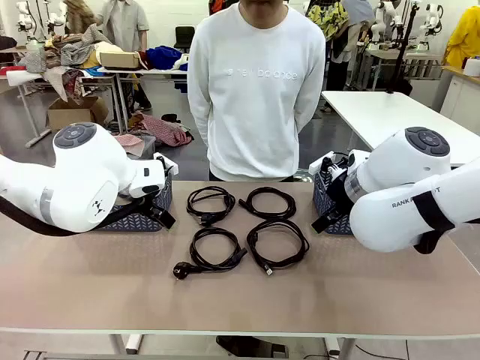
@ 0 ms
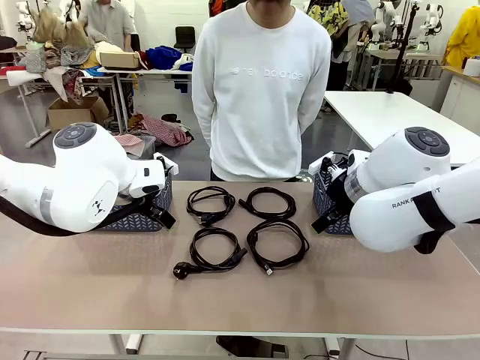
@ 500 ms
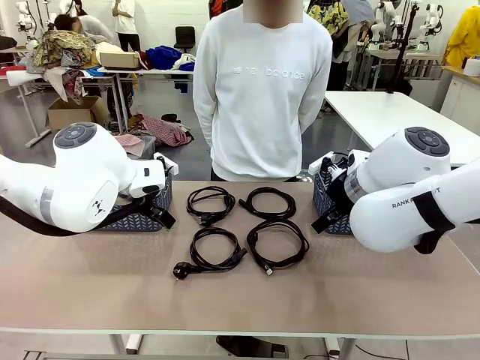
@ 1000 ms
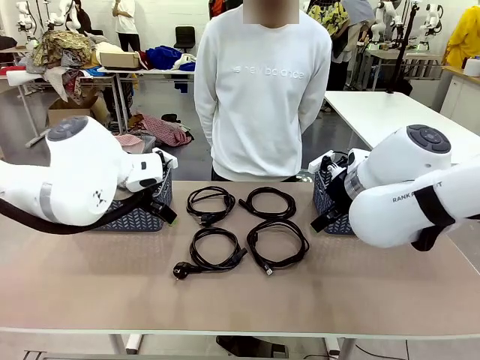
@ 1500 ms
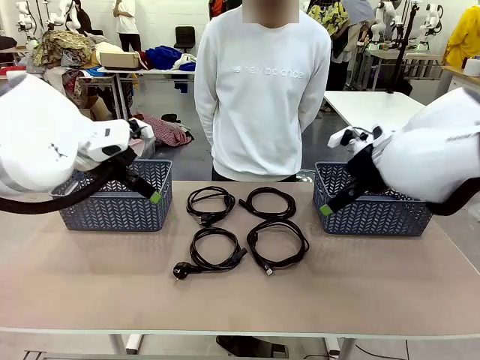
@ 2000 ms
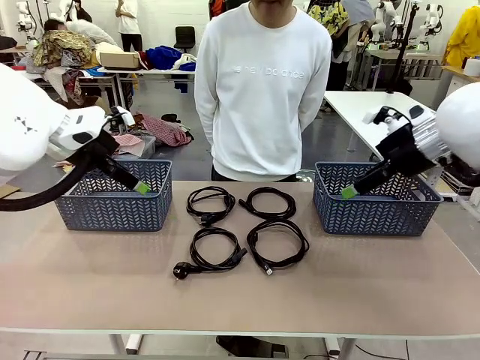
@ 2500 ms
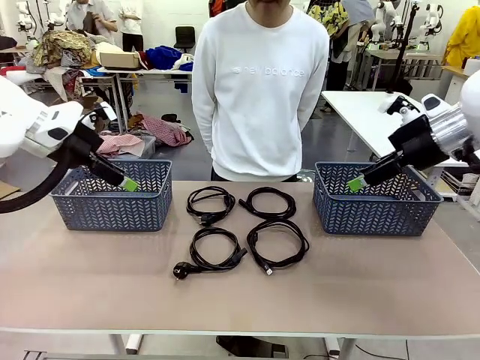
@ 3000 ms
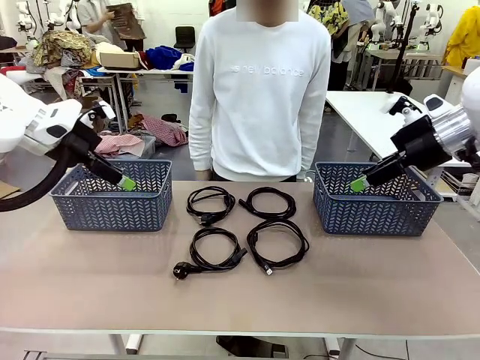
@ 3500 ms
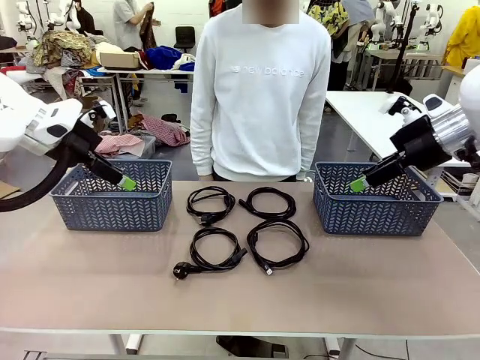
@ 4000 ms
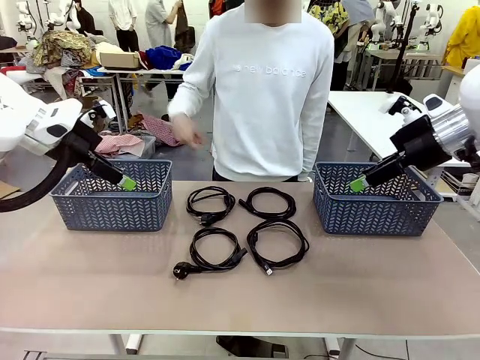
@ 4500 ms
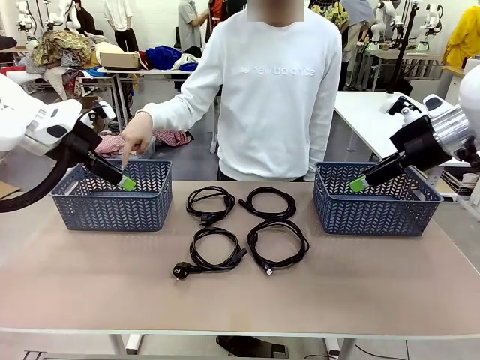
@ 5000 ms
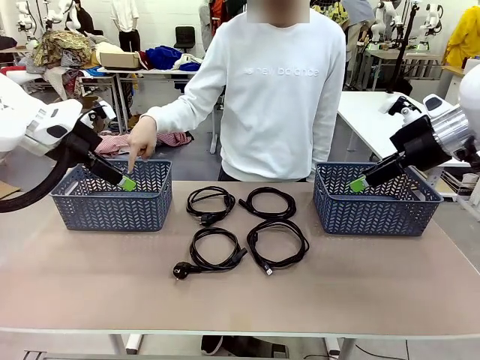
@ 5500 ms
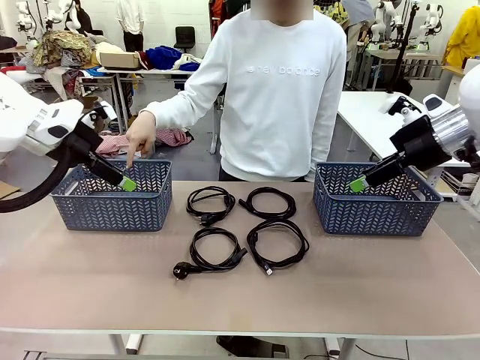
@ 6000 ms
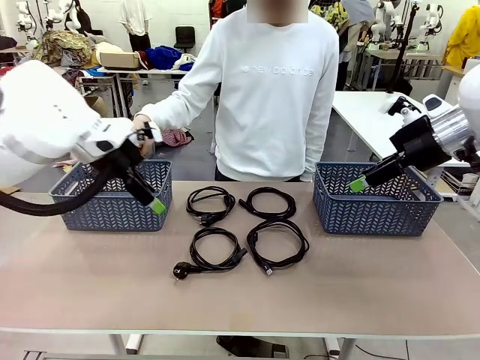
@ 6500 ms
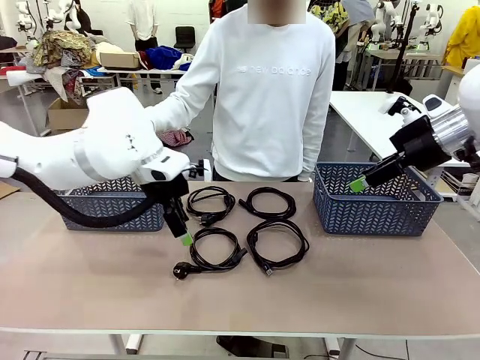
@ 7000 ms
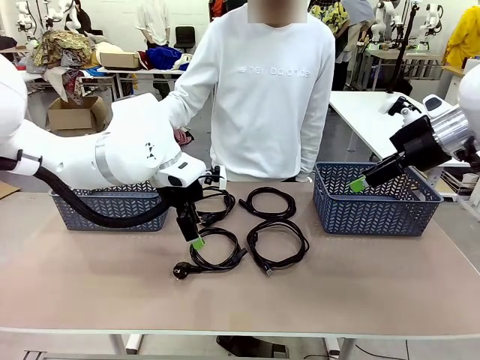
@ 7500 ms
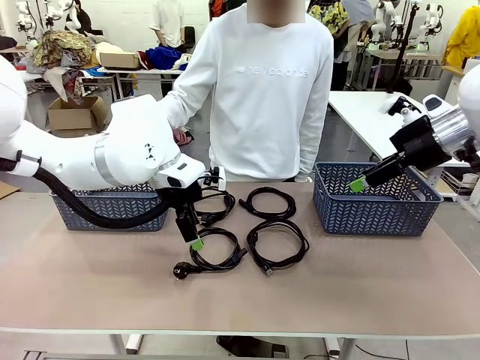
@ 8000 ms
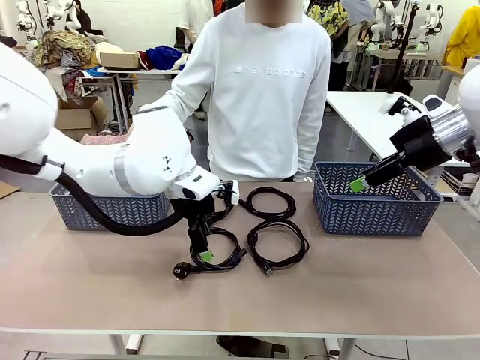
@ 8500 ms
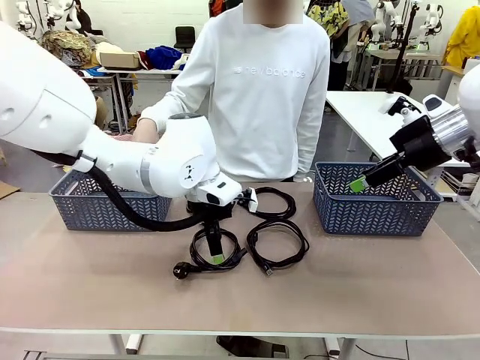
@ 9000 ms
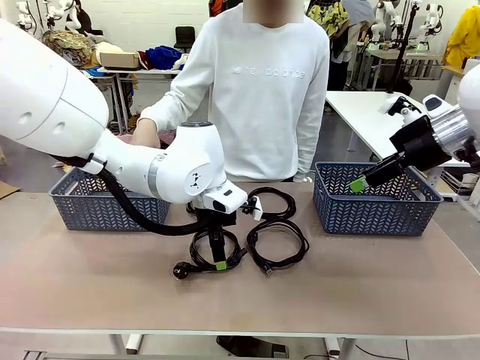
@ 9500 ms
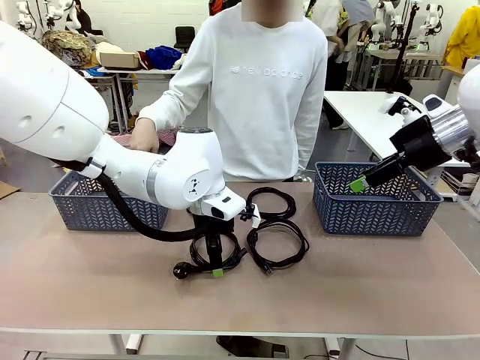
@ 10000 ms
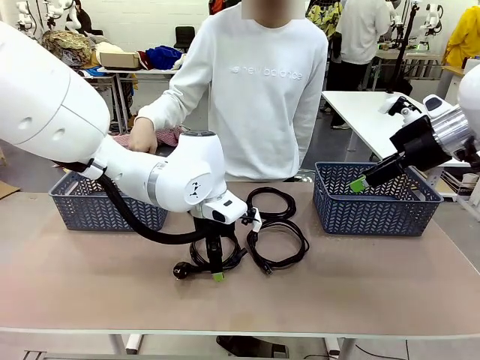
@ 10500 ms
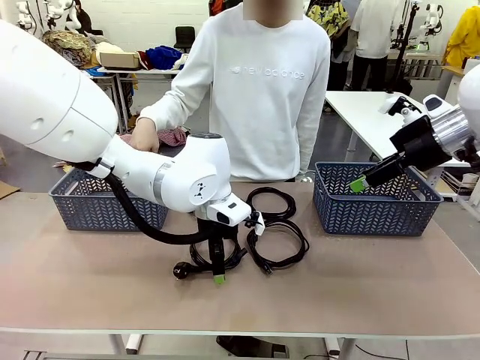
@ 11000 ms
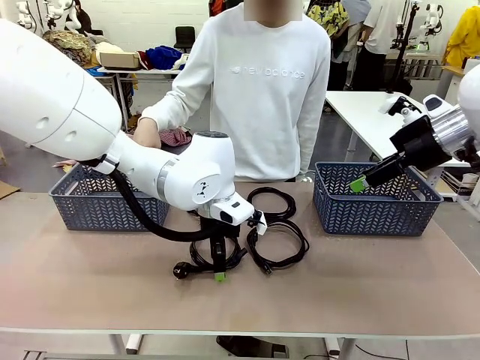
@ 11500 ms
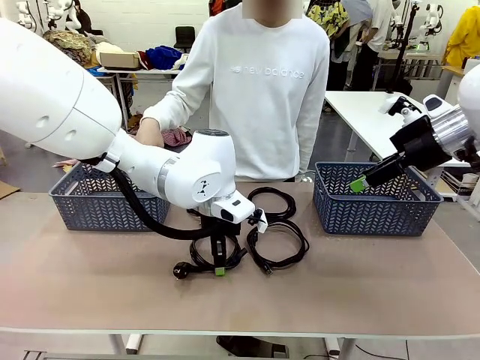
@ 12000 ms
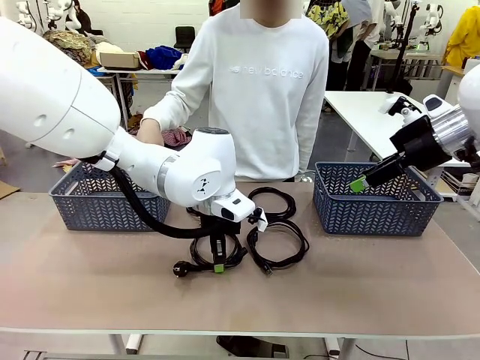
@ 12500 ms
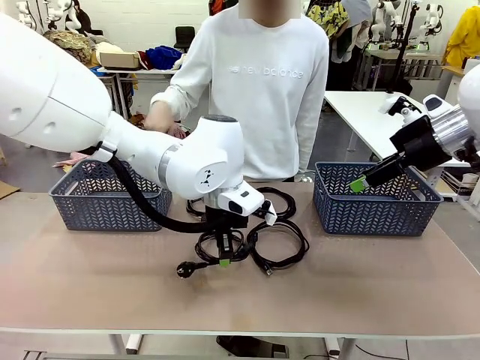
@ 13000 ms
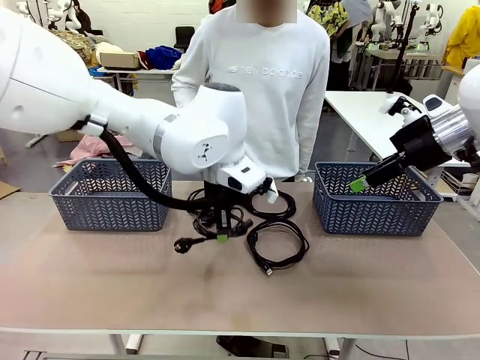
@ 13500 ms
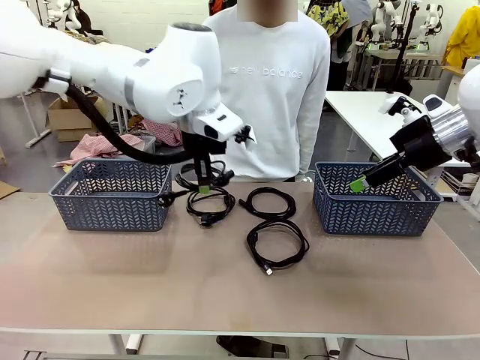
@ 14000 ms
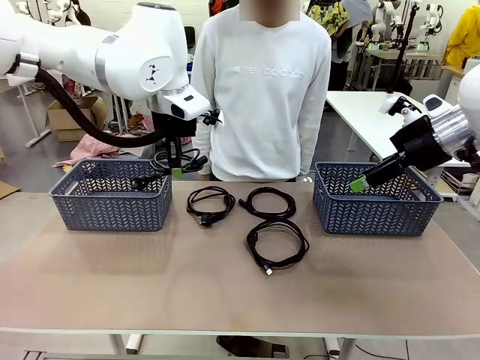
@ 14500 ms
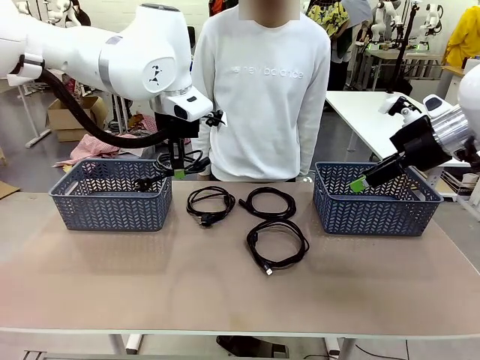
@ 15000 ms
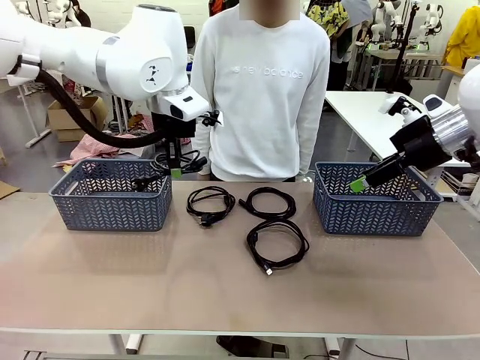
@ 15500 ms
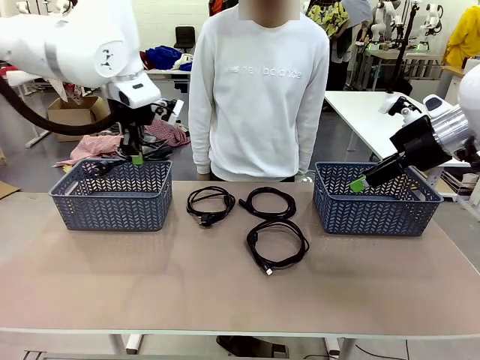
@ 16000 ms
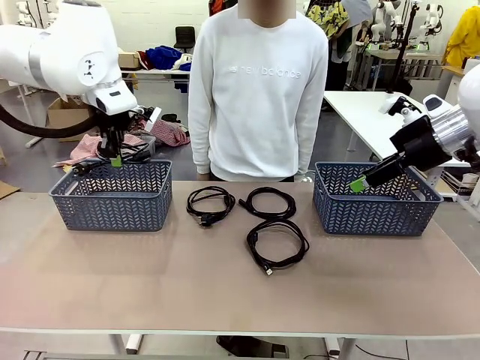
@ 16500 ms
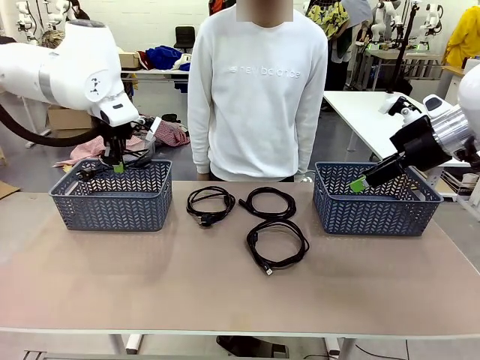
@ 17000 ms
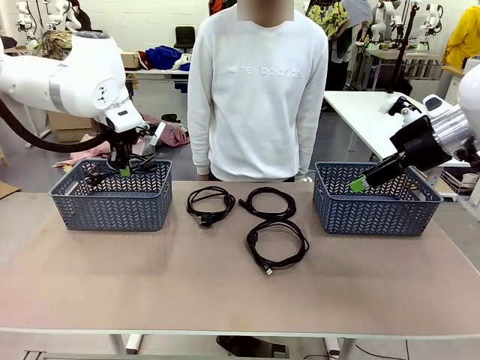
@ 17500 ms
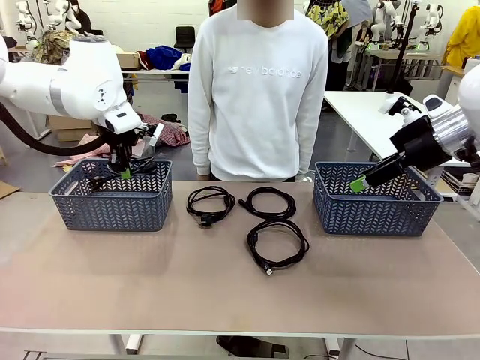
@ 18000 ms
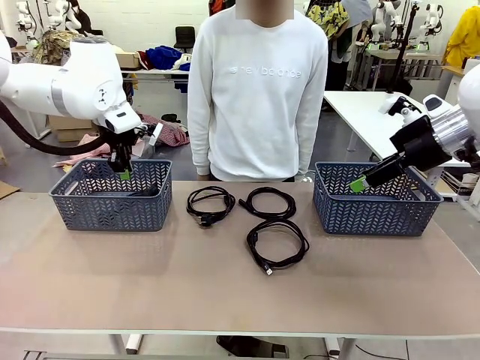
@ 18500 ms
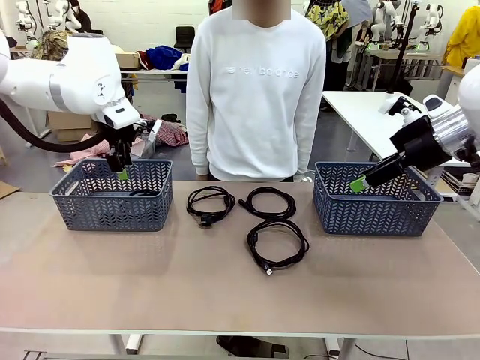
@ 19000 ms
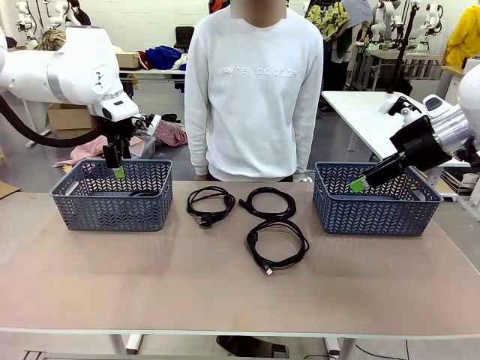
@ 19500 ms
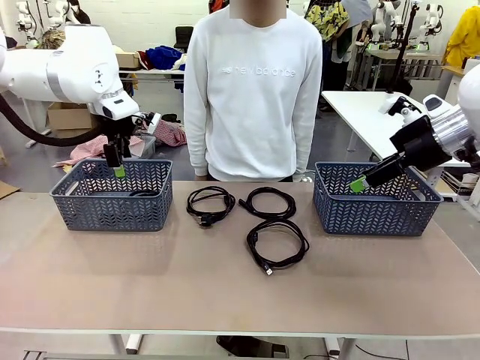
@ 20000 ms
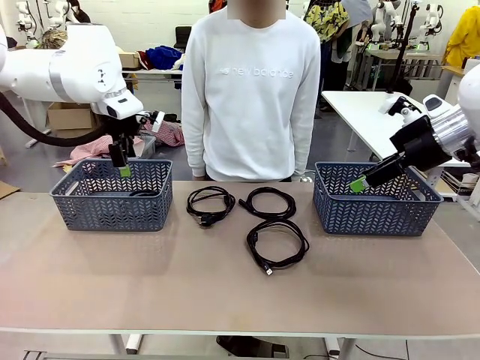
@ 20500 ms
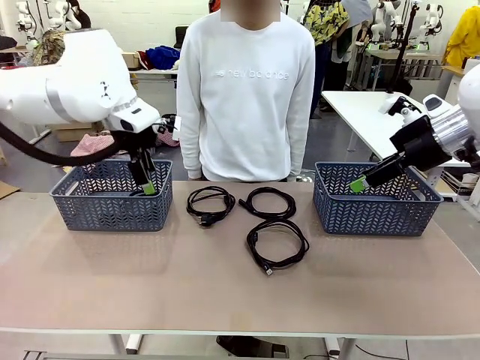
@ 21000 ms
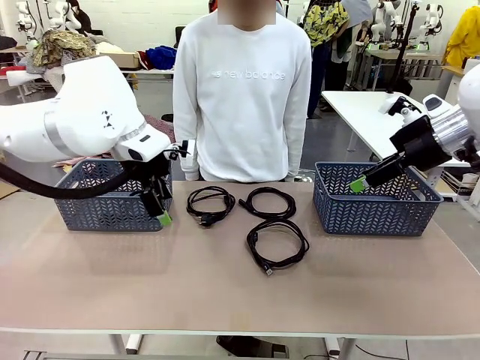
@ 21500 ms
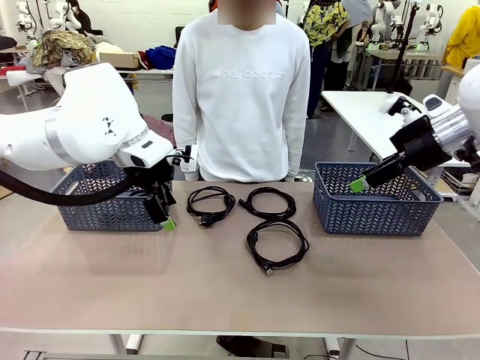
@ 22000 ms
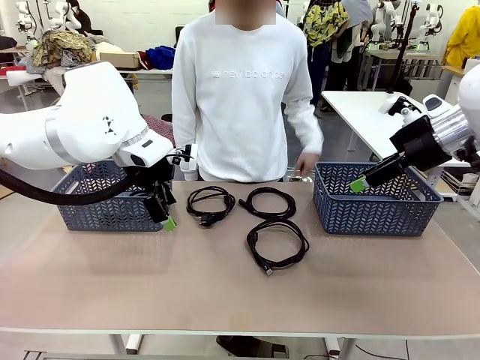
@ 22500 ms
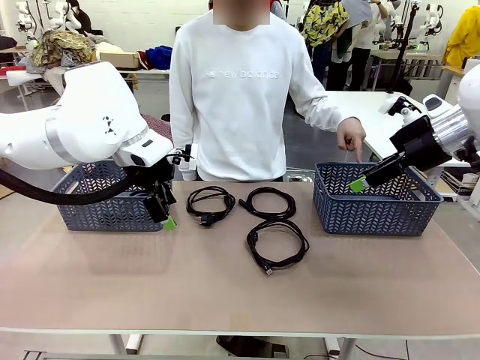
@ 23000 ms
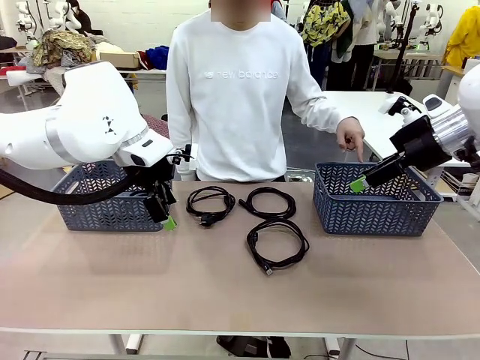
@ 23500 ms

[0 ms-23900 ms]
Task: Organize the cables according to human instructions.
Robot: Pick up a bundle of cables and place it in the basket indicated by the human.
